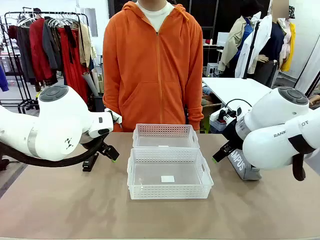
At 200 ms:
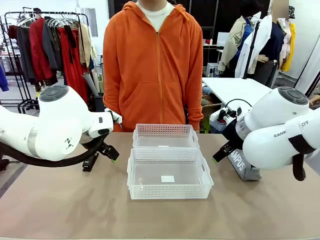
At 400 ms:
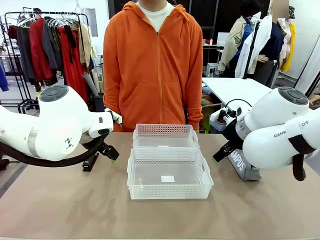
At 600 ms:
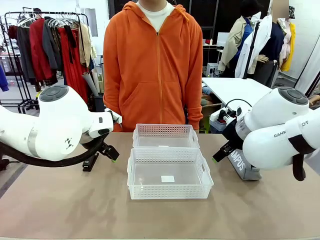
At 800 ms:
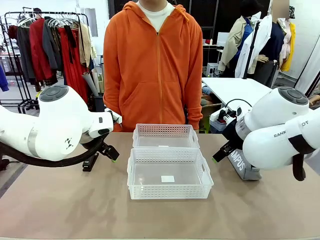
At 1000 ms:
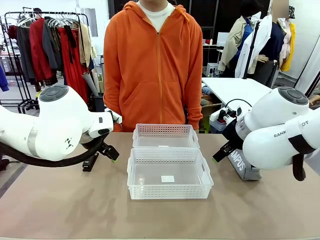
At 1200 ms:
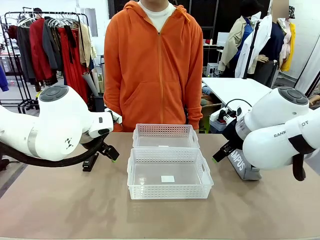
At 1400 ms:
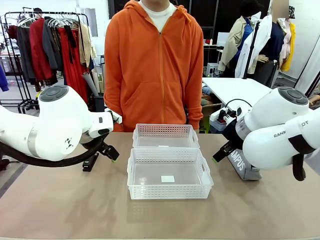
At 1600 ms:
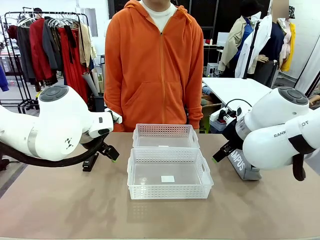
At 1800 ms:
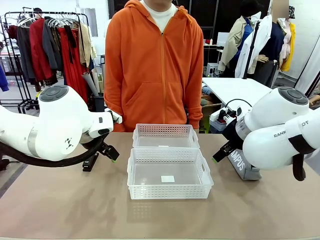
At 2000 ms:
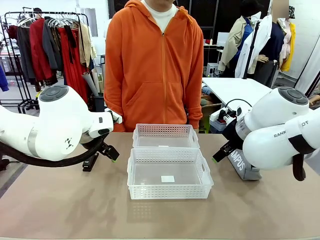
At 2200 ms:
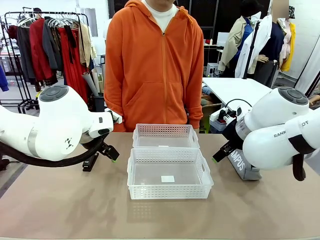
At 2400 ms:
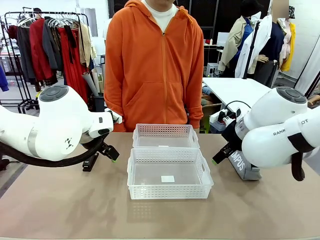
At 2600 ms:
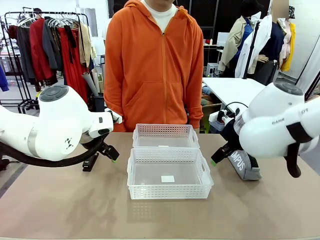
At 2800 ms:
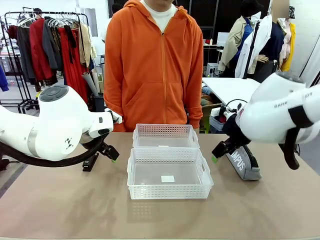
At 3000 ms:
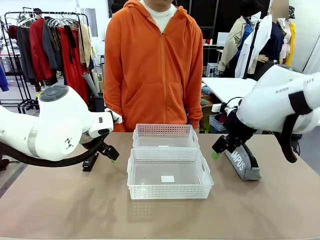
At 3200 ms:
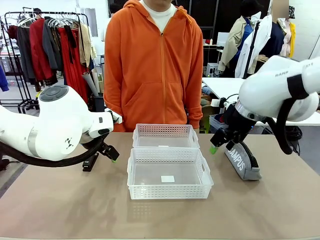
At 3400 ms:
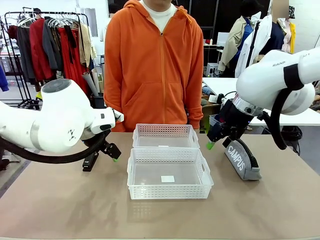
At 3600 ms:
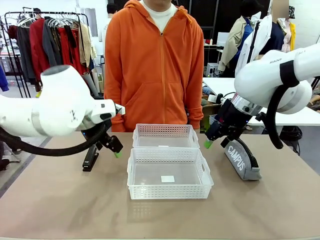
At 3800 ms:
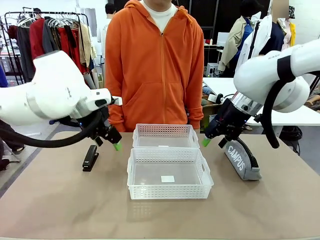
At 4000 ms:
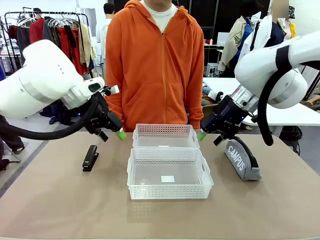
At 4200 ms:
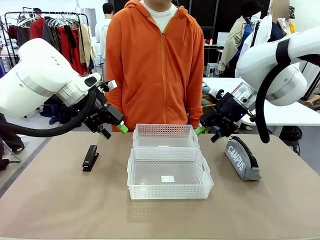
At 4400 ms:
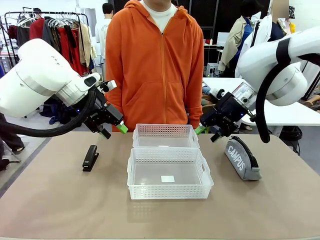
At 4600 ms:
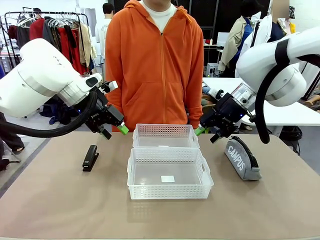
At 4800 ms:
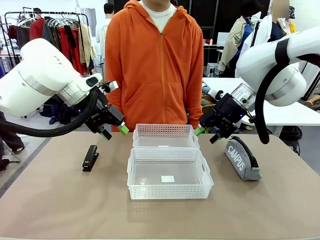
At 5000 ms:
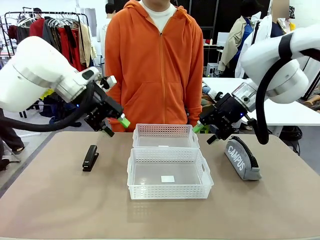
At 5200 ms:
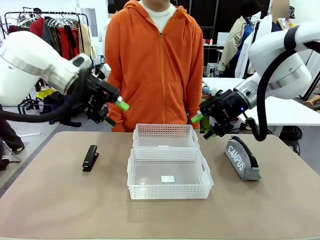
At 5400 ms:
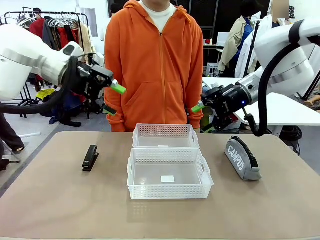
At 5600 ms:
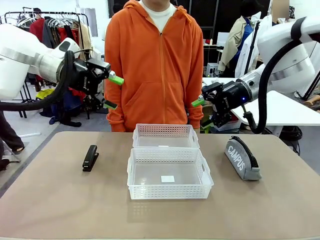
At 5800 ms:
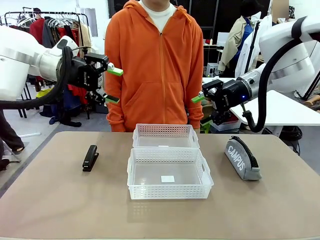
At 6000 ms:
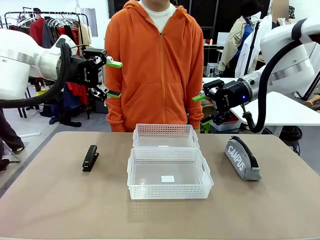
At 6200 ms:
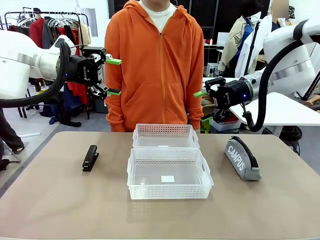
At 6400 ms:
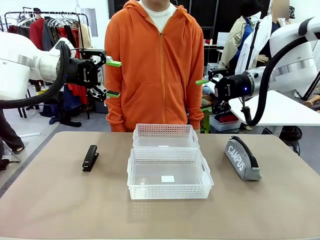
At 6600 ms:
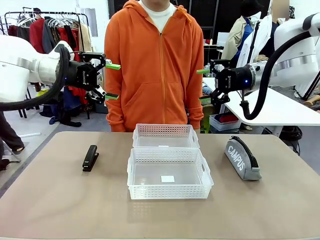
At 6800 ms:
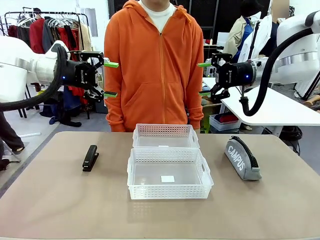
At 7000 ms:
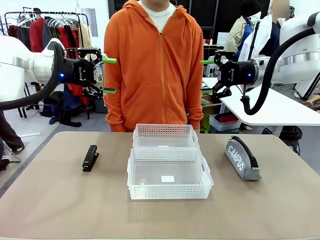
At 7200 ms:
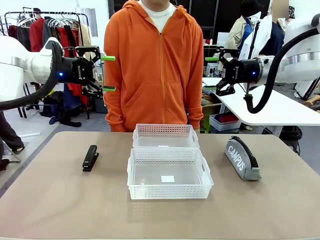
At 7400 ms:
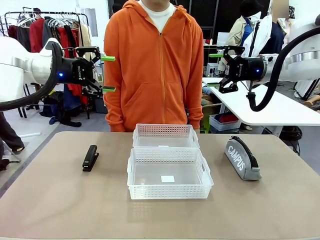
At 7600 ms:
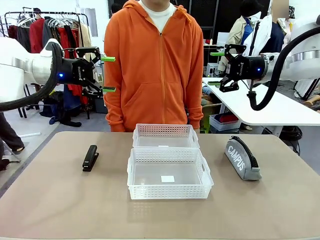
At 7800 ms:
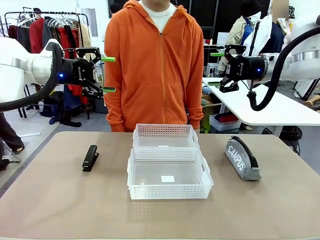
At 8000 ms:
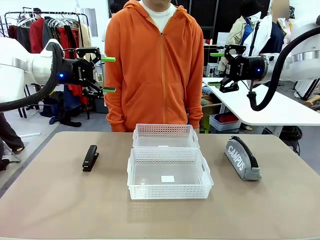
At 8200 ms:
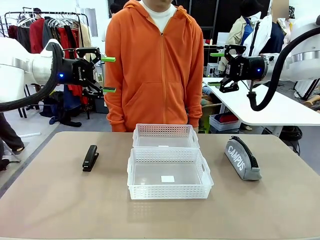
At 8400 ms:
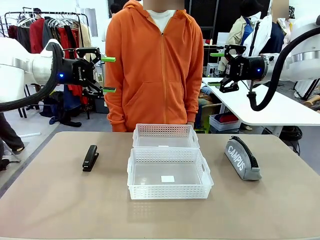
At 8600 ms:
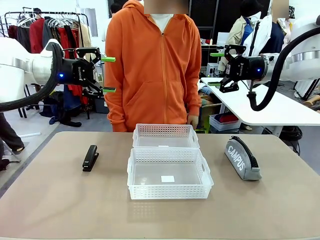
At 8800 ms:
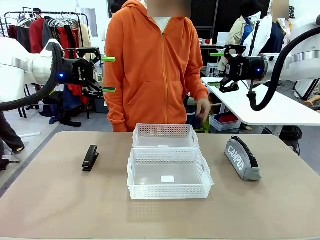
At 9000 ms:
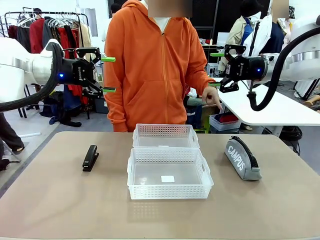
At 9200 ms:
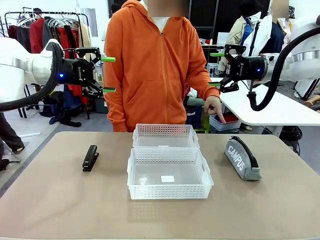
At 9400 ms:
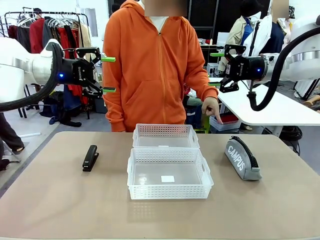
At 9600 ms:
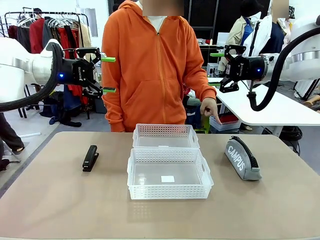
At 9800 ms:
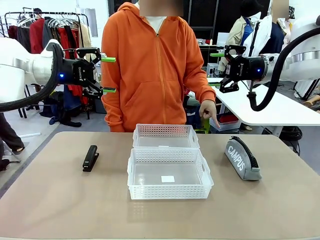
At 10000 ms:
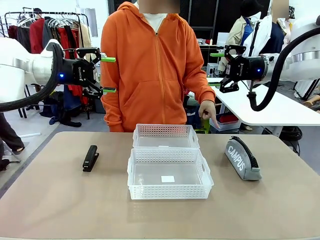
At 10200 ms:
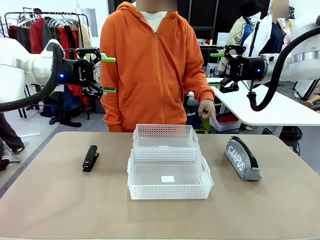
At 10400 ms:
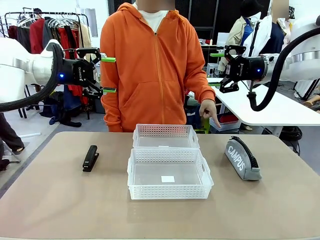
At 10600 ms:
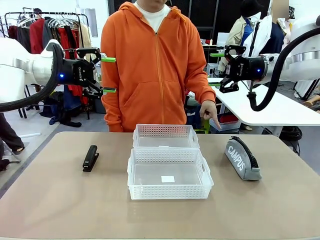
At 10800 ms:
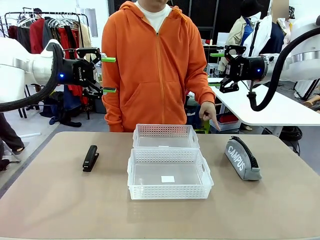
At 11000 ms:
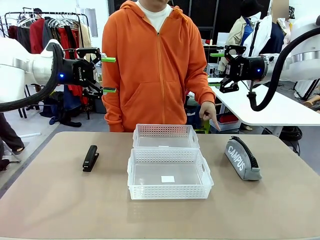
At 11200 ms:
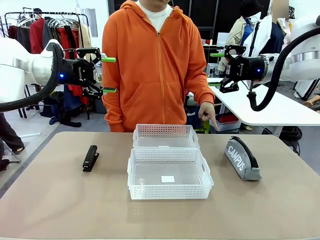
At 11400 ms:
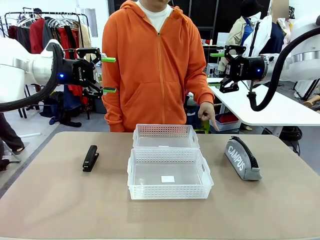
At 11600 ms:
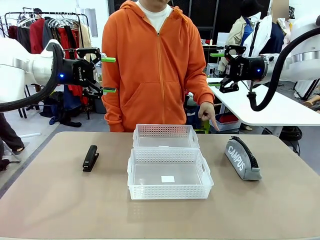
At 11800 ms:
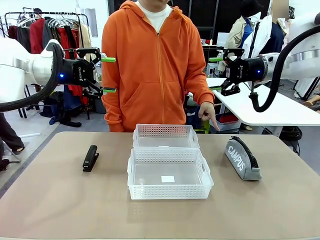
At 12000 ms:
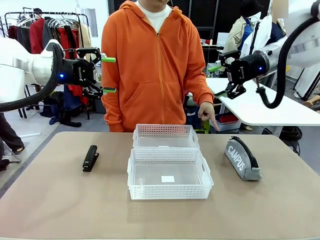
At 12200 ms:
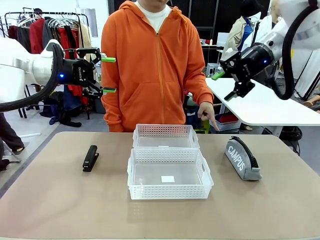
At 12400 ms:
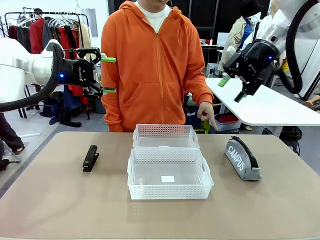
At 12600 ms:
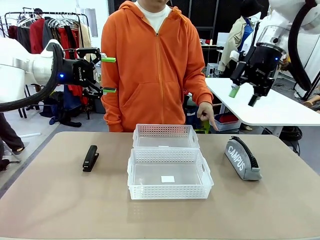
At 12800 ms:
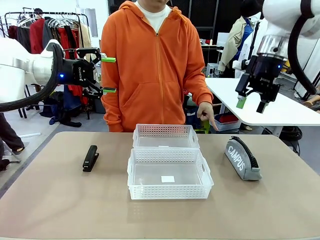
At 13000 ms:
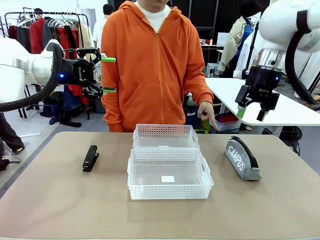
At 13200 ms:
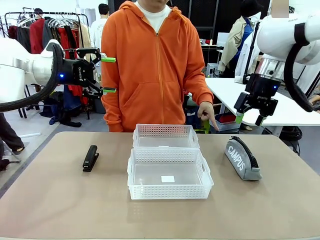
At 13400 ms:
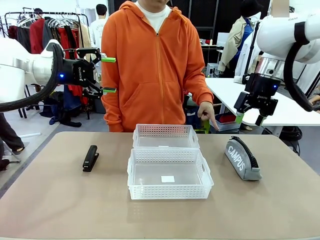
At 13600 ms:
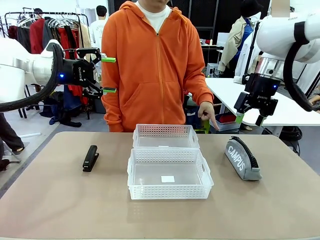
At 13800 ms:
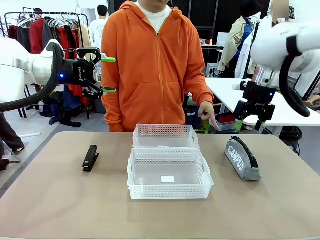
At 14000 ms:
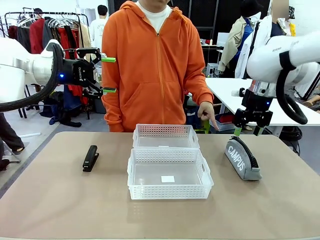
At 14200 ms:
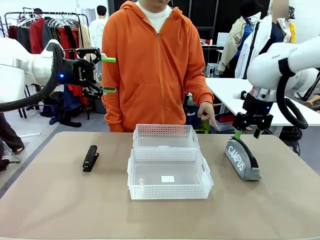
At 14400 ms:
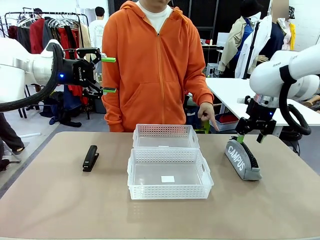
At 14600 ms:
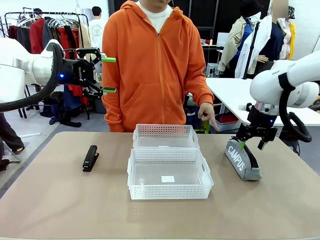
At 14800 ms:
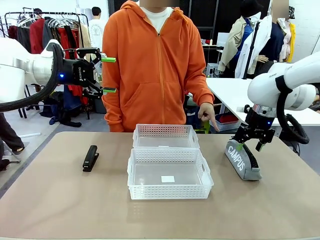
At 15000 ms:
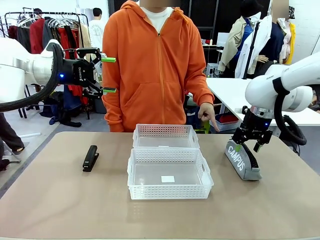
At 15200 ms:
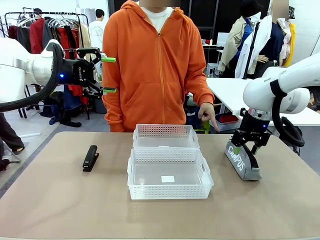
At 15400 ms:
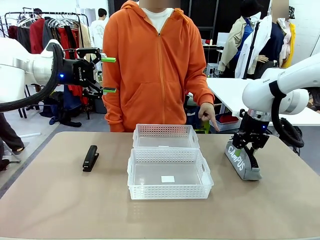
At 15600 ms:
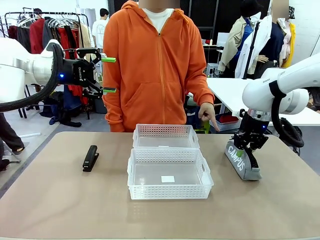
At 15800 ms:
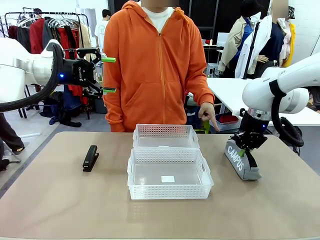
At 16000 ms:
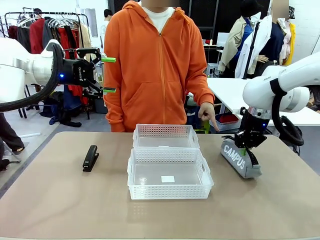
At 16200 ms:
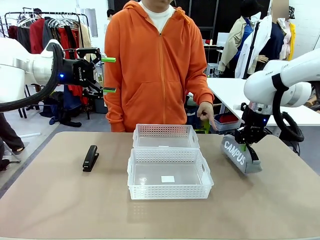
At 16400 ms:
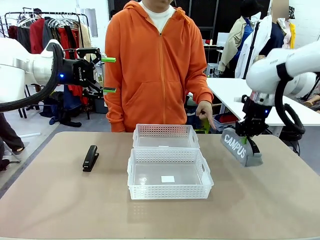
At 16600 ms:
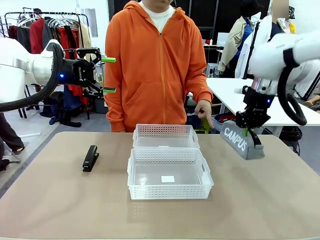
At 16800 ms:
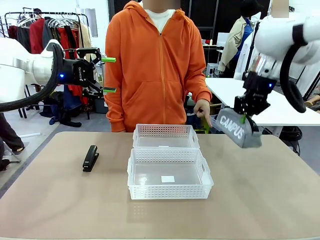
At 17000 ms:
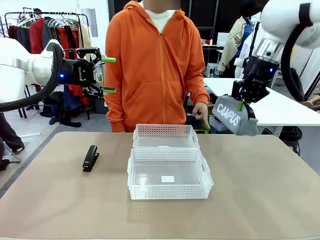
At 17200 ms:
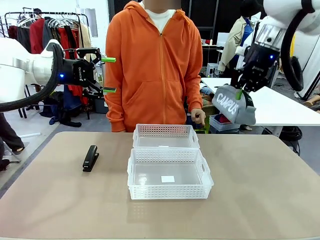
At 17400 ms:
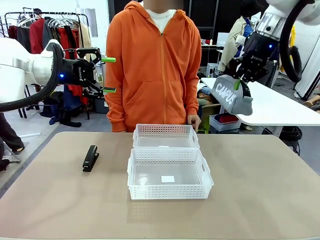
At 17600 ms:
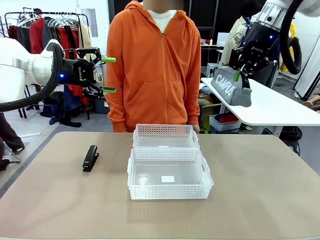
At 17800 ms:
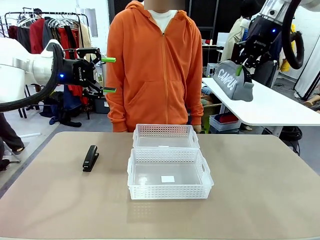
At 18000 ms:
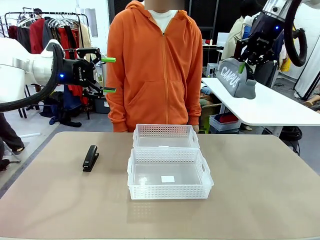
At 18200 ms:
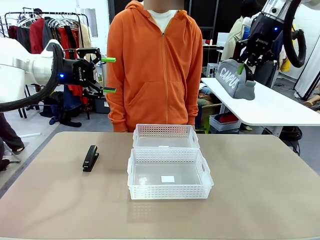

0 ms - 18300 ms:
Task: Distribute items into two baskets.
Robot: Pick up the Pencil pouch that the person points to.
Person: Points to the pencil case. Points between the two organizing baskets and instructs the robot to move the pencil case.

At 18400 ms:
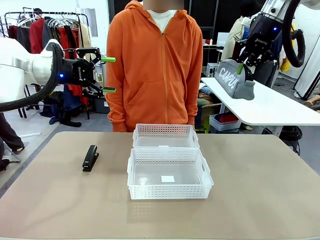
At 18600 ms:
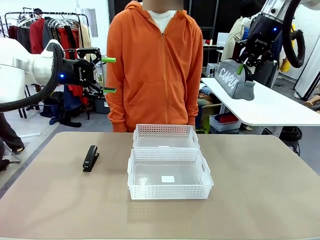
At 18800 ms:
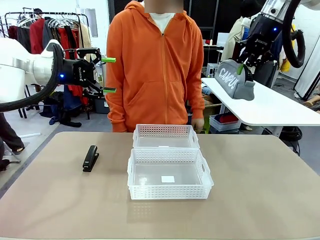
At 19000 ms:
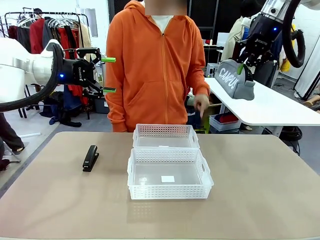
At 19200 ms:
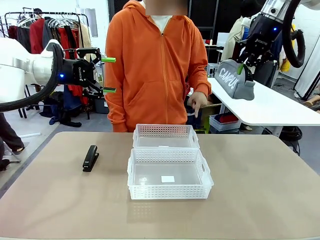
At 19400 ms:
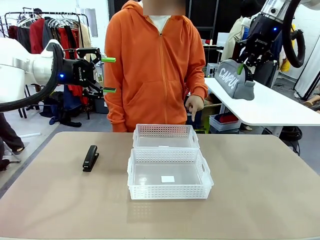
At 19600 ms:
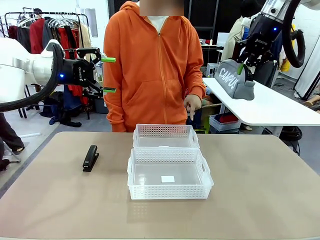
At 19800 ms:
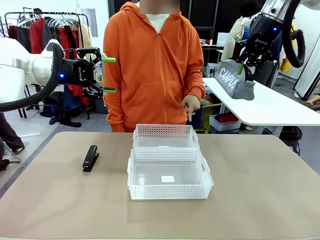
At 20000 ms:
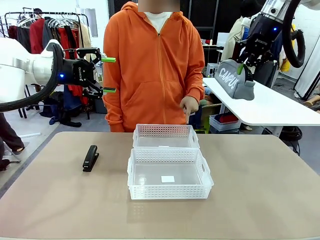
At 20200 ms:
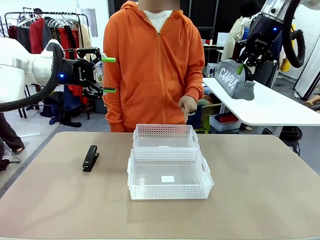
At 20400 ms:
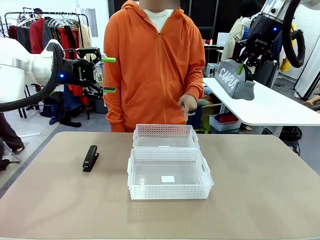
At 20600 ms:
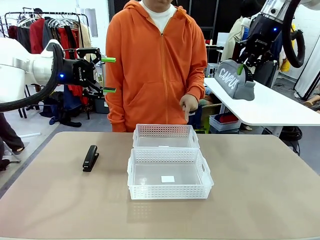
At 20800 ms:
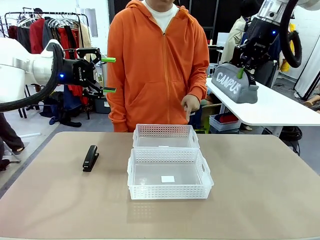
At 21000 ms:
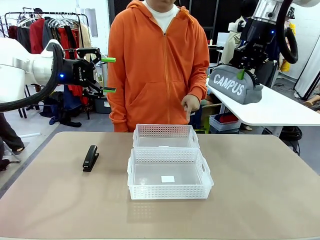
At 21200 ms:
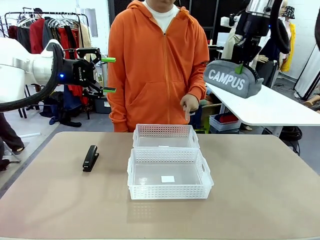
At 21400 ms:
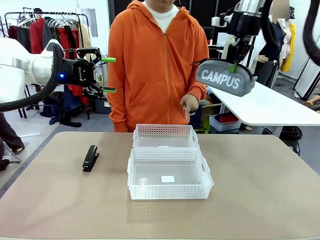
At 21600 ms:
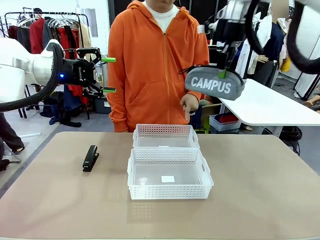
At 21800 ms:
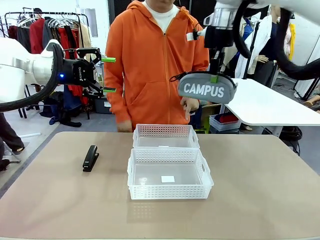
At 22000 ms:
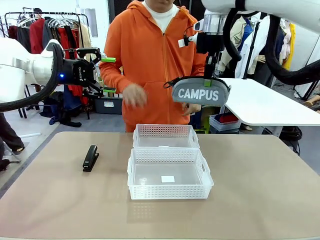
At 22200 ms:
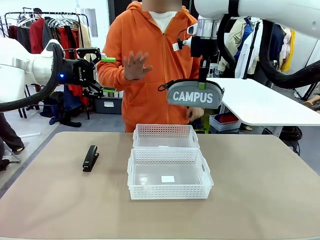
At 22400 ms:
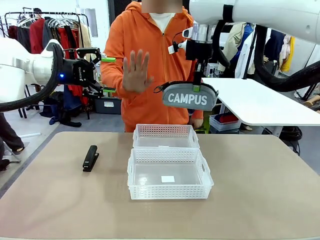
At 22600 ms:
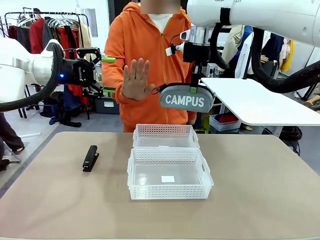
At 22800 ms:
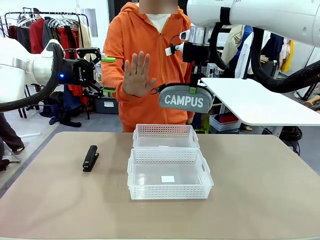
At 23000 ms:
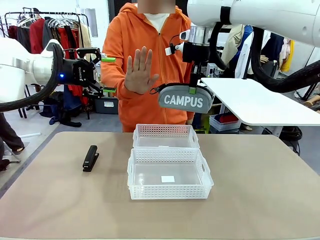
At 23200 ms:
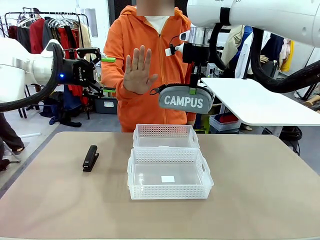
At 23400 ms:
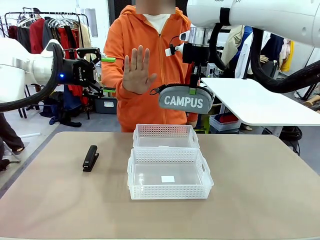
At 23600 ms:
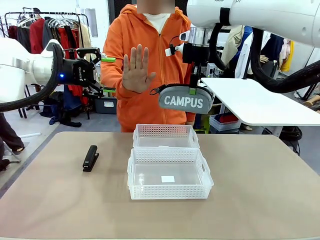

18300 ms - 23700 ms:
Robot: Move the picked Pencil pouch towards the Organizing basket indicated by the person, stopping as directed.
Person: Sends a stop gesture before the robot places the pencil case into the basket.
